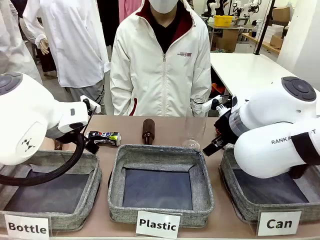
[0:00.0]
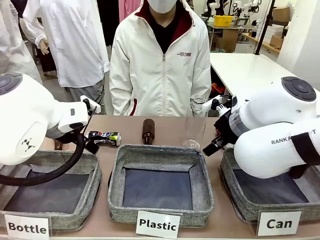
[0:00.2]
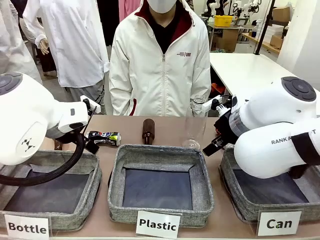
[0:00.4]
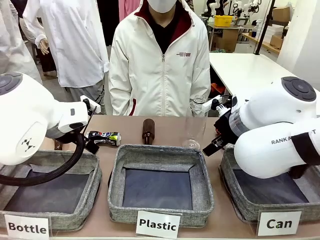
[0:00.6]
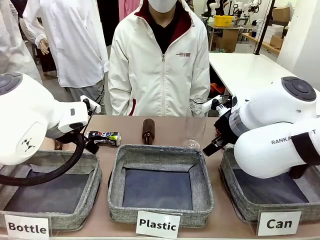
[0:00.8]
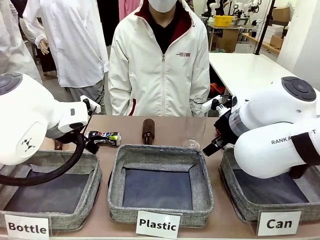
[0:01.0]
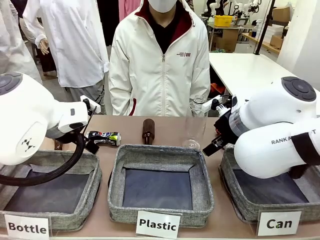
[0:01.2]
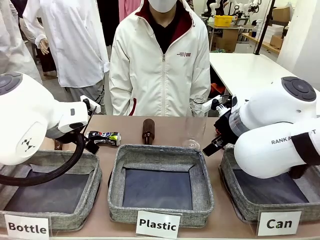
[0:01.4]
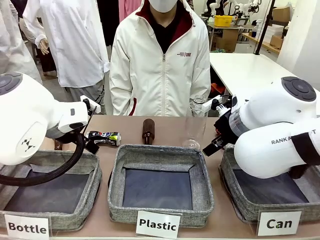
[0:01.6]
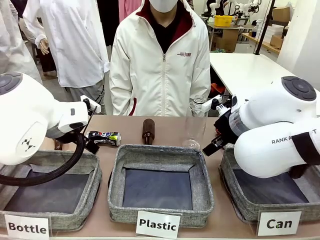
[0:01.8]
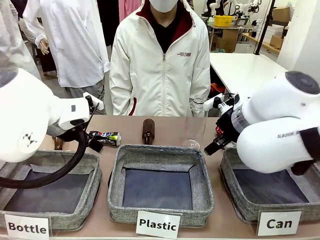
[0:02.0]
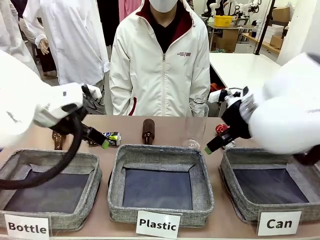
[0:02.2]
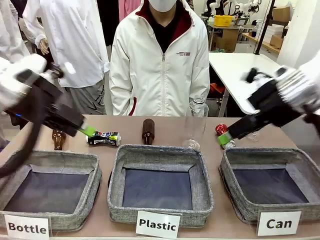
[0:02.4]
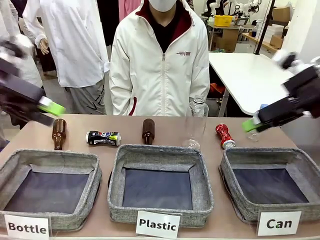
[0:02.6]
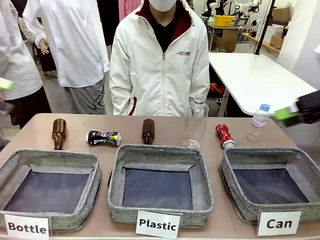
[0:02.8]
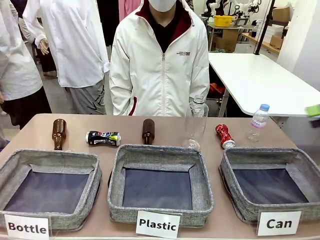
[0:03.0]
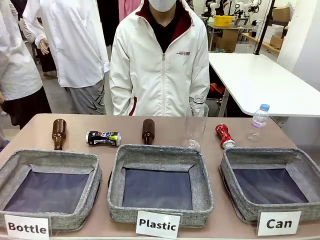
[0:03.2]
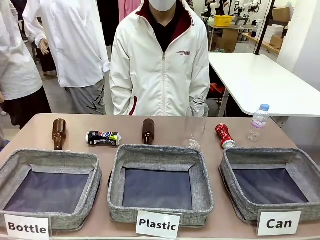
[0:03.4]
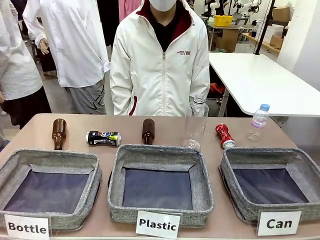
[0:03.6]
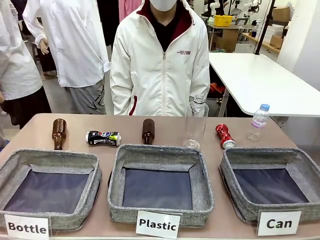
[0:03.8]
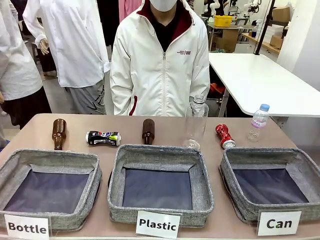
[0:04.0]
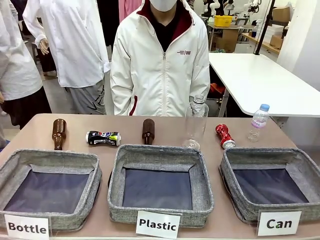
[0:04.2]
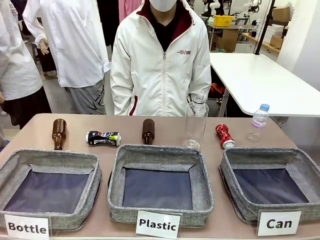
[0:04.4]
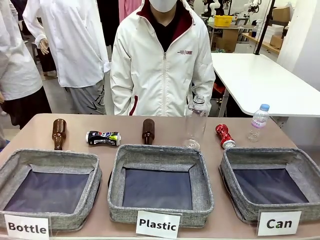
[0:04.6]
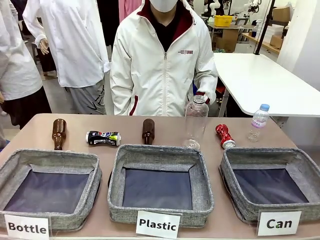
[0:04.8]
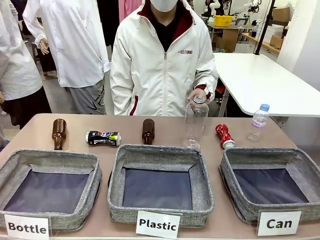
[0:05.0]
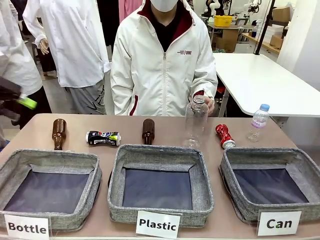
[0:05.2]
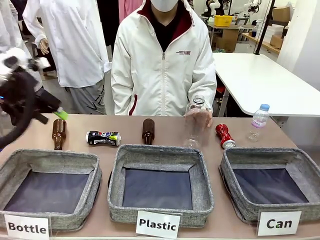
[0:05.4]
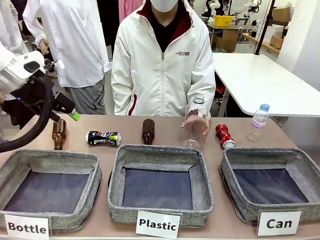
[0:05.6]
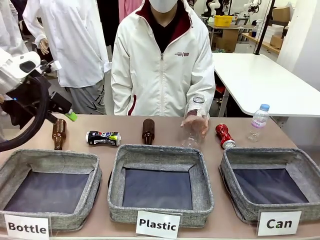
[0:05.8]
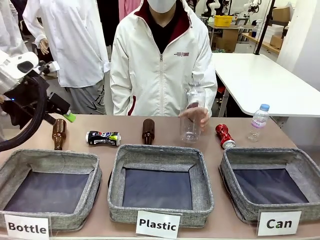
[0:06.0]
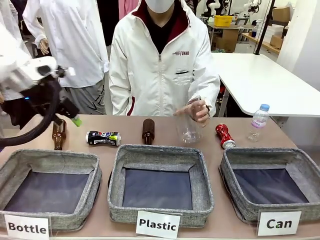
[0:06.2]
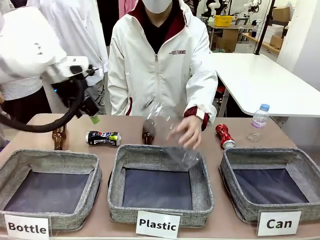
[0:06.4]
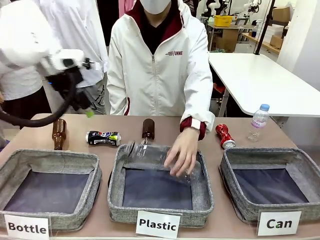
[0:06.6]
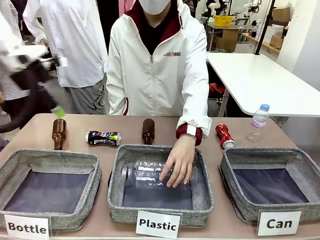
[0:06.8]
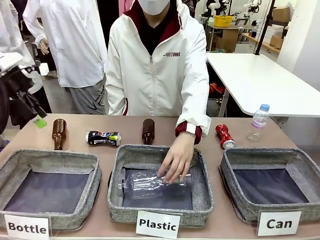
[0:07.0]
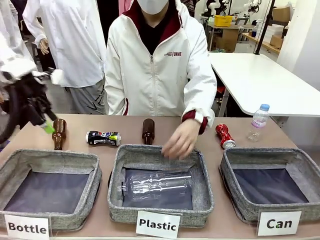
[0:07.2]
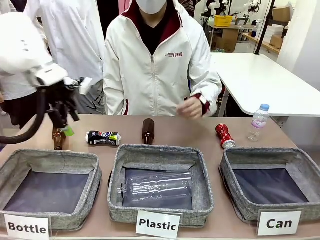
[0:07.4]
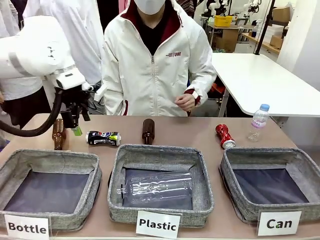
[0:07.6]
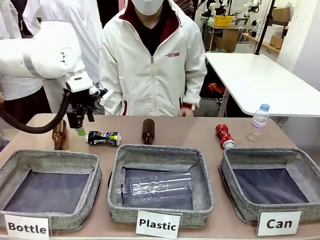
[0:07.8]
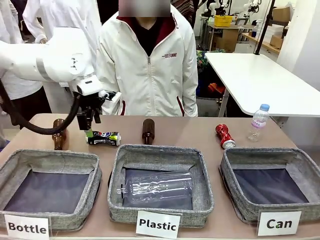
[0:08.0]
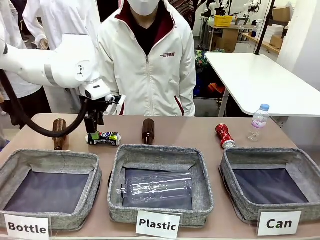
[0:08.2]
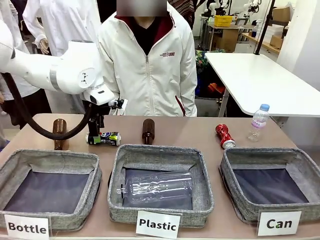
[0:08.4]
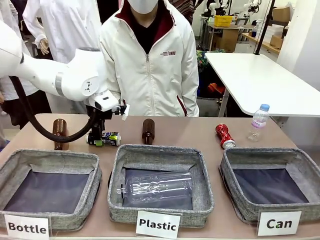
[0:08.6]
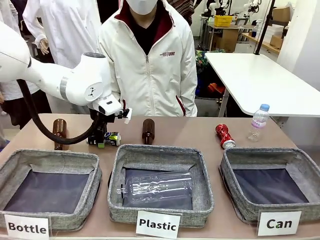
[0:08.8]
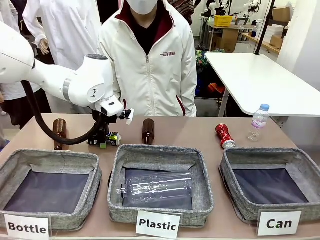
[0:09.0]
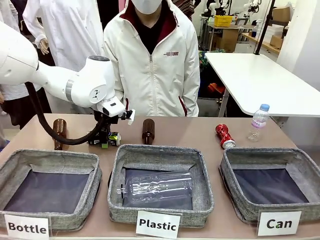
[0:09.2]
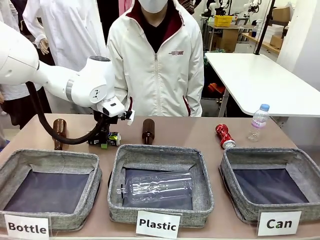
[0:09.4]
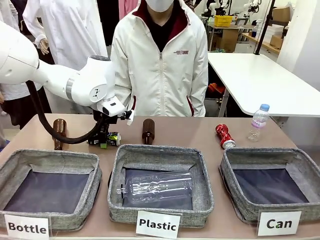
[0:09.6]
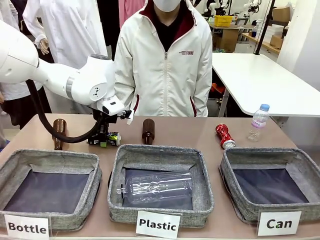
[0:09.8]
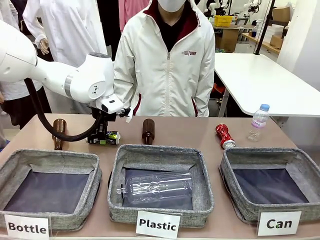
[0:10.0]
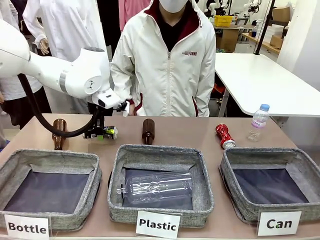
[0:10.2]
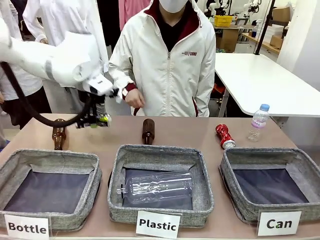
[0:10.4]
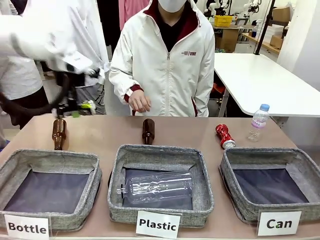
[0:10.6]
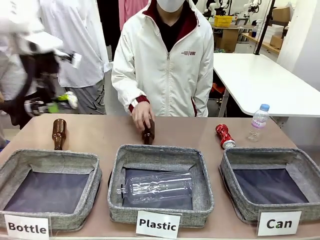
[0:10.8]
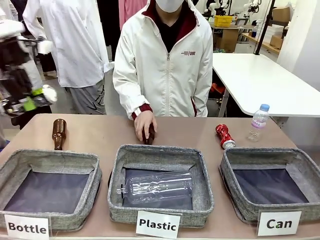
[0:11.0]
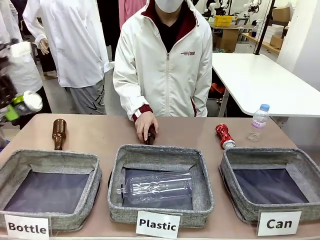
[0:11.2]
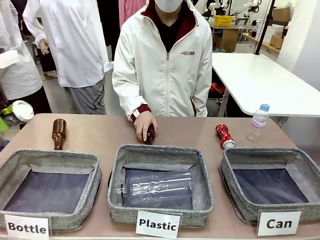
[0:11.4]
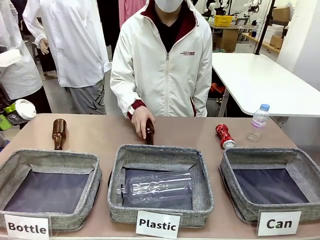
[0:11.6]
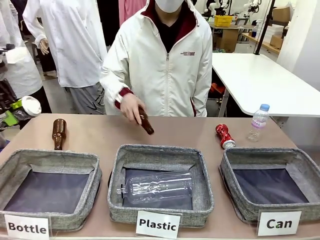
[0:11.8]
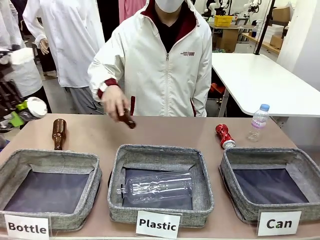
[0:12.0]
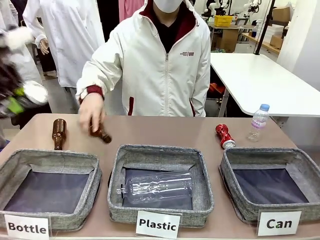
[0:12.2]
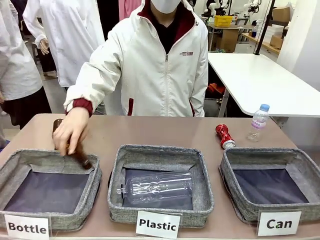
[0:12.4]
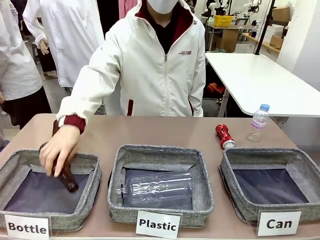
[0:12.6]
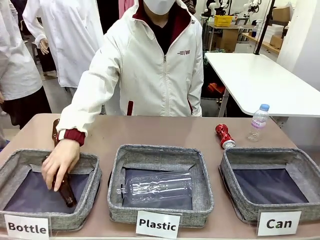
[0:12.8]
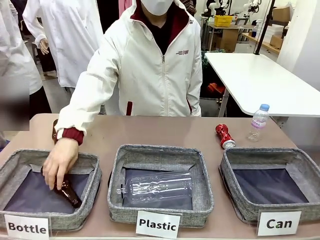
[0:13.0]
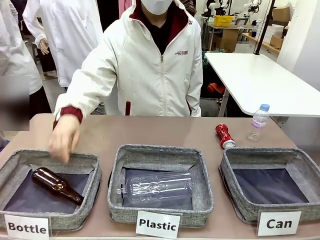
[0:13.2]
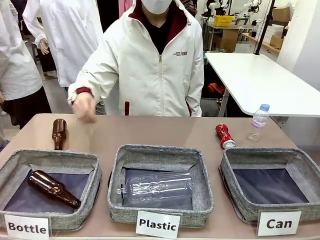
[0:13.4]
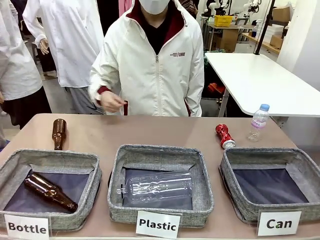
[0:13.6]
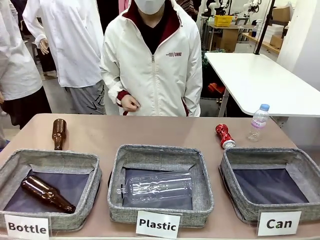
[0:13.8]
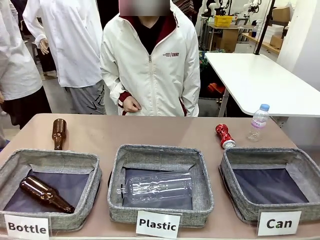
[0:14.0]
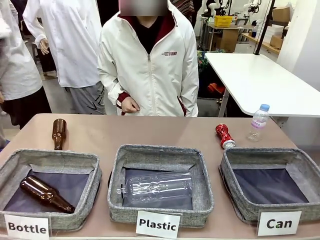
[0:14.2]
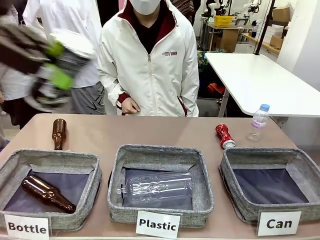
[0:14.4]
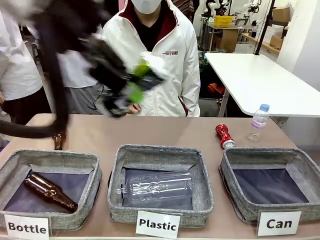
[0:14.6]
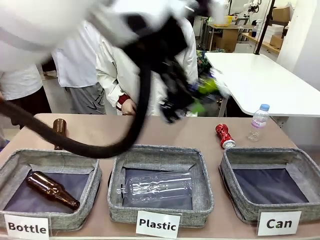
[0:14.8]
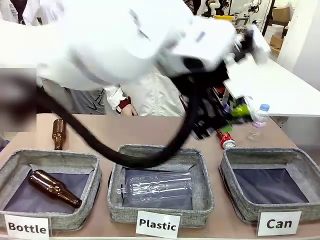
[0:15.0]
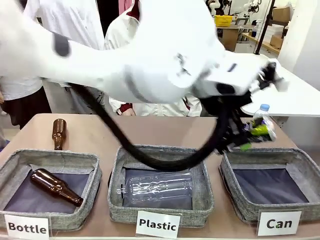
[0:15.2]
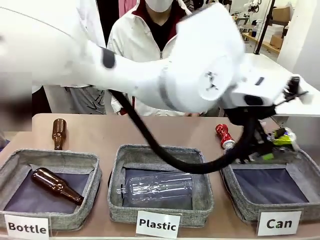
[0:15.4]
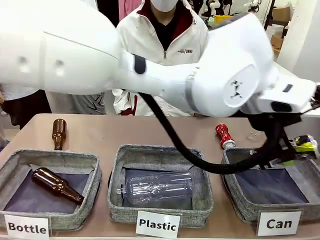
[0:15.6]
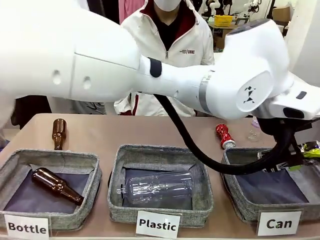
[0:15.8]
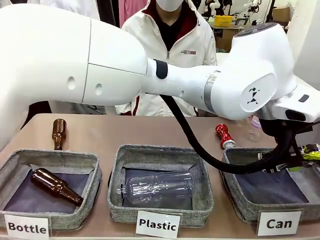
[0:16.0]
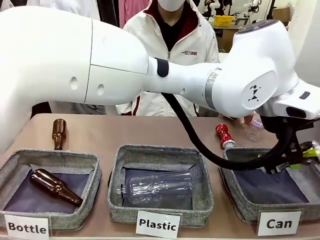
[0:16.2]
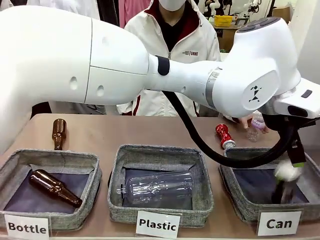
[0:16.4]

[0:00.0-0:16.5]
Task: Sort the can waste into the basket.
Robot: Pick up the can waste from the table and place it in the right Fabric basket.

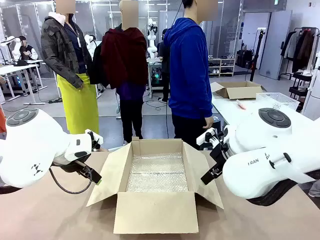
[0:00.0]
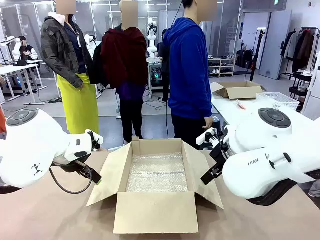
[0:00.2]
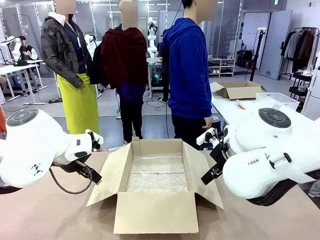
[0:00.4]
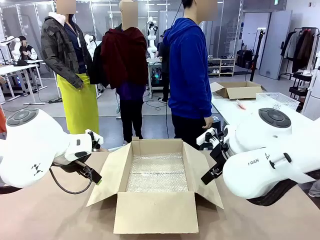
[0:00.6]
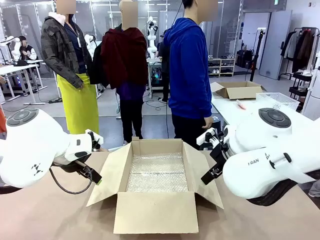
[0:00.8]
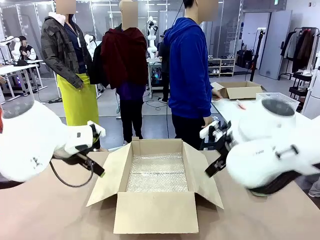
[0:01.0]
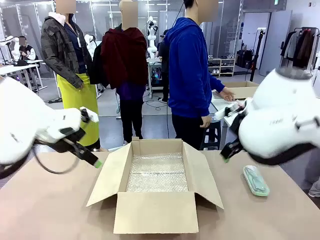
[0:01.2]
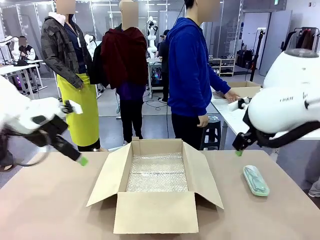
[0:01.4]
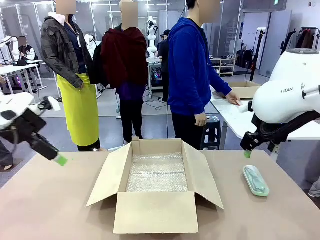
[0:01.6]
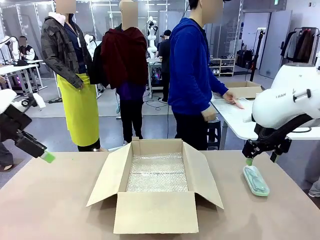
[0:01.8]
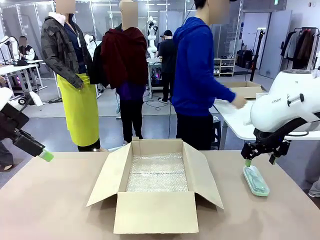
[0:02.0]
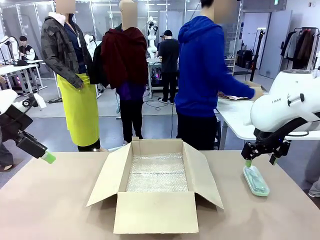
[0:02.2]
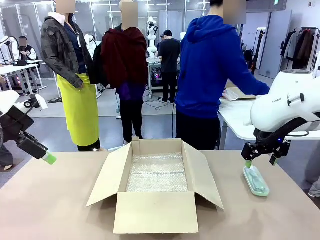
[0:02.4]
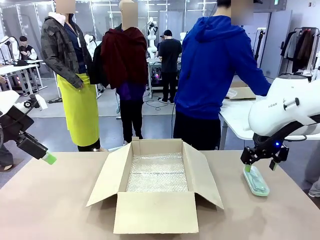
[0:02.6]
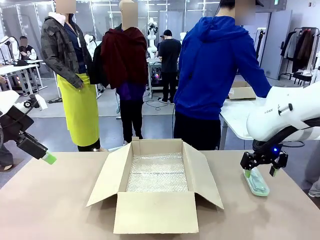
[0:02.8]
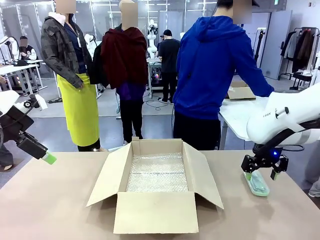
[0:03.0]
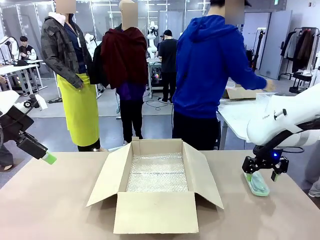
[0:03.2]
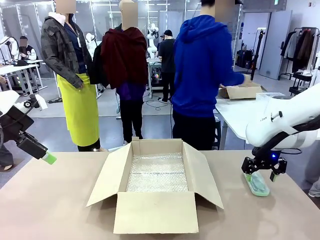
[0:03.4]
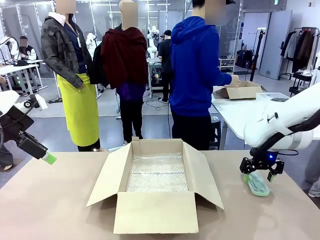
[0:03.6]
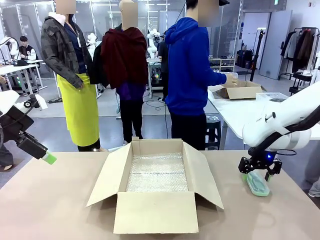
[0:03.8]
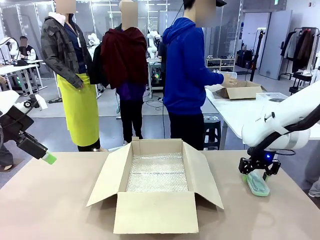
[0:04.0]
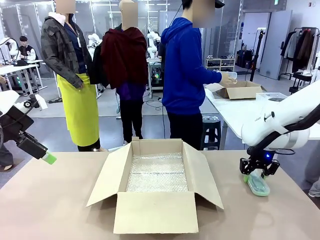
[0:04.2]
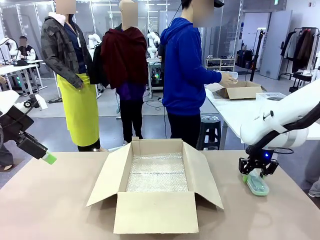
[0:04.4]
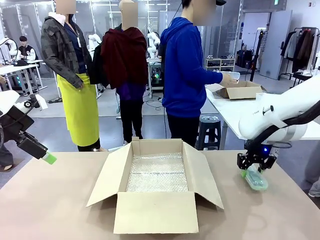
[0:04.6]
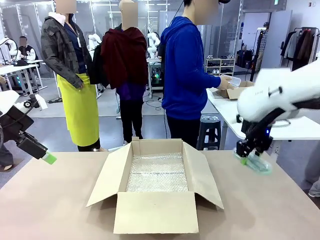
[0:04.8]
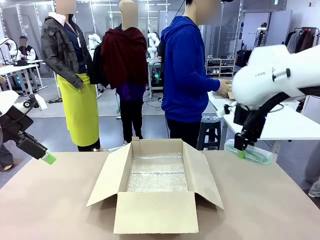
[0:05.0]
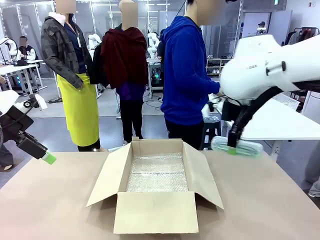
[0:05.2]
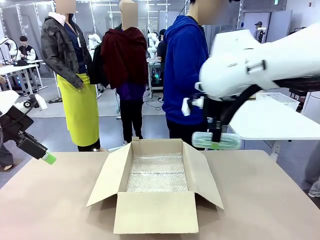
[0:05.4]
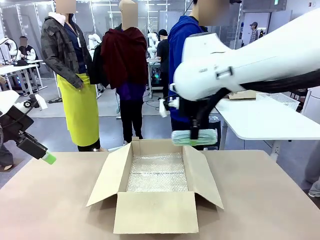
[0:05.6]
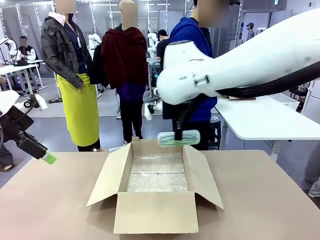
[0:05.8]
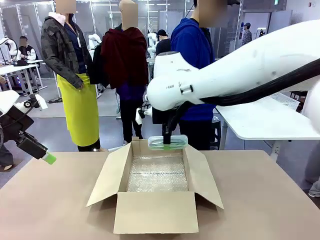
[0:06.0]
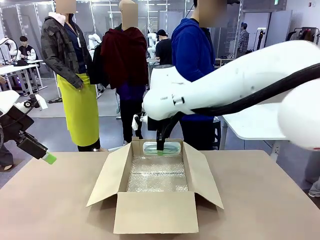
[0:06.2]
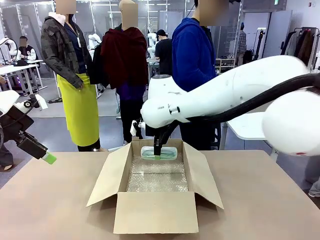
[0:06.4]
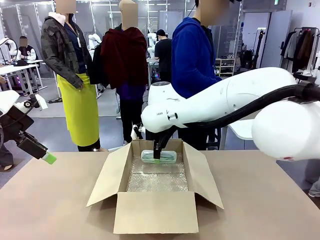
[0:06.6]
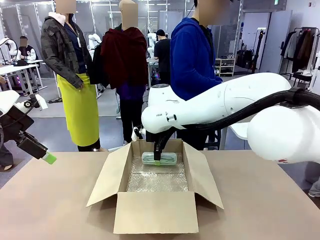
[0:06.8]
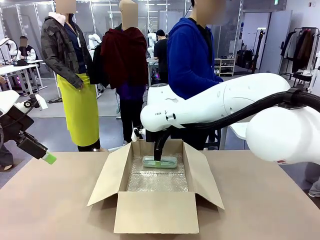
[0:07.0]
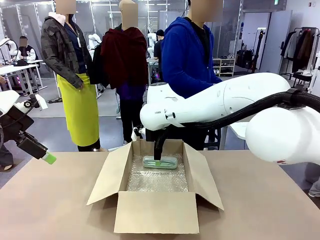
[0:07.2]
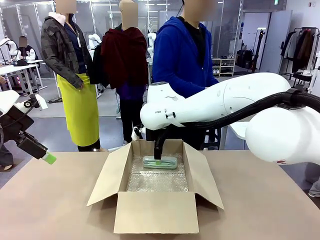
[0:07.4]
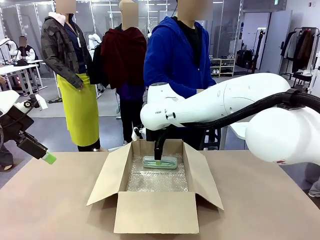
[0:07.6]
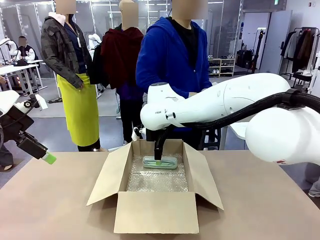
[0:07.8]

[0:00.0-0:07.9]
Task: Pack the glasses set securely to prepare it for shipping.
Robot: Place the Glasses case inside the Package Box.
Person: Place the Glasses inside the Glasses case.
